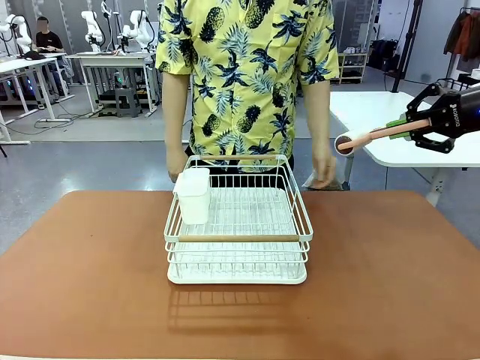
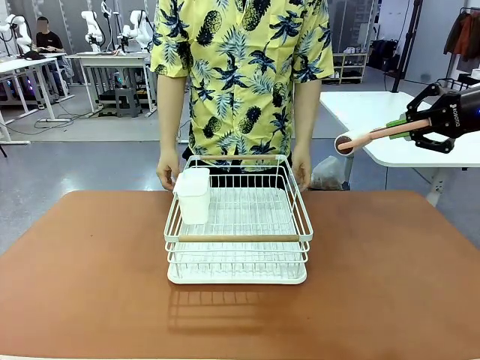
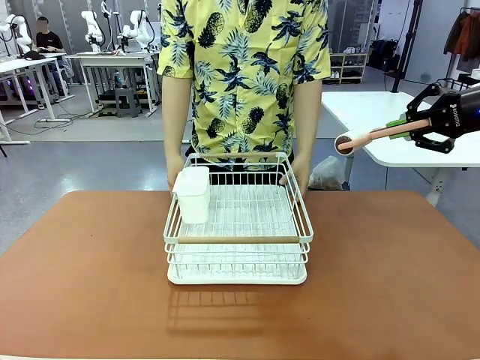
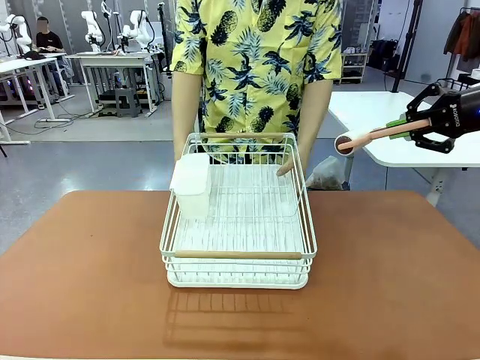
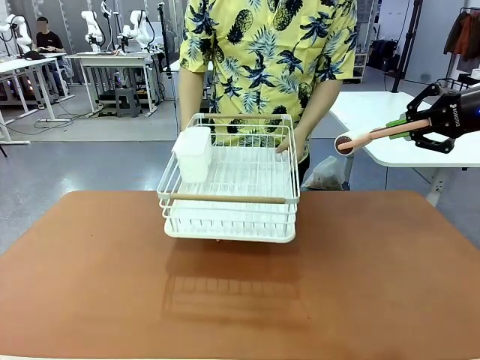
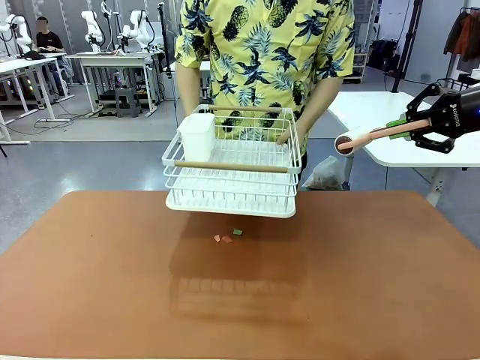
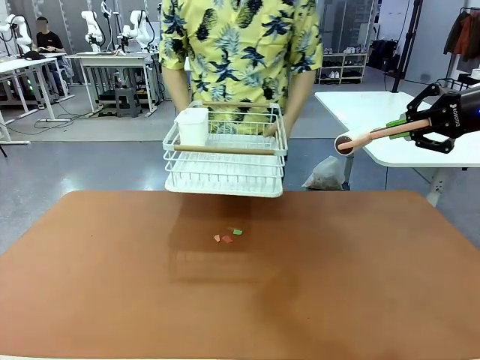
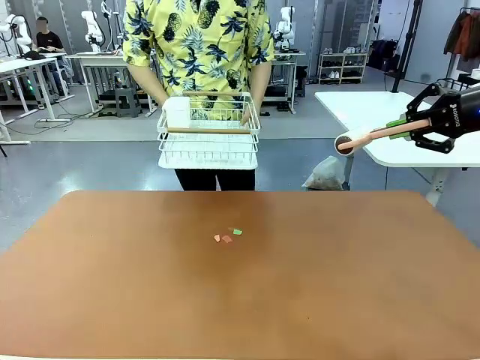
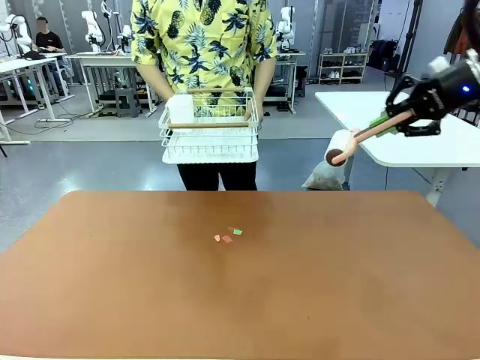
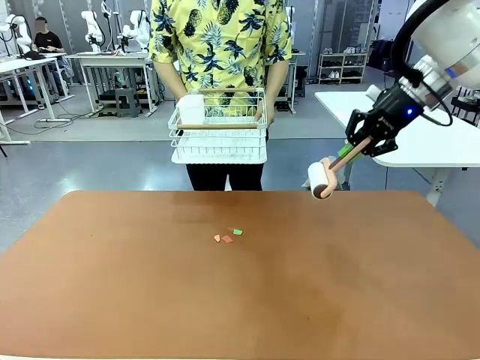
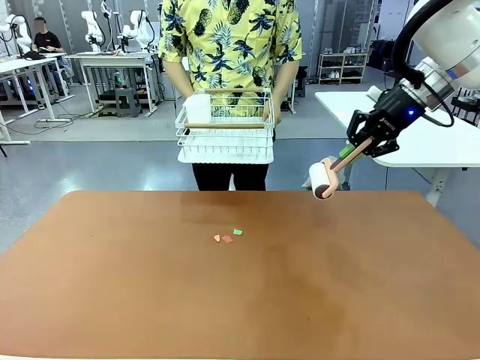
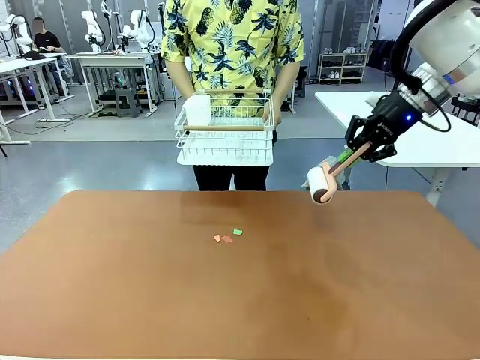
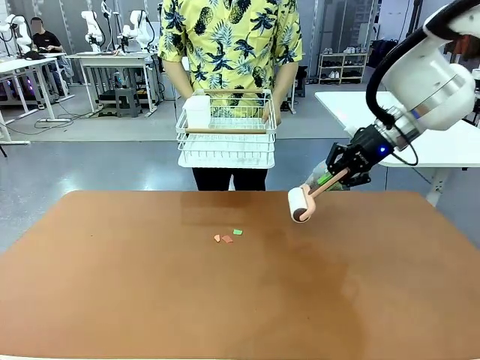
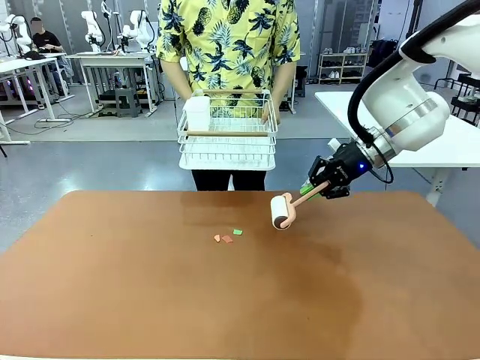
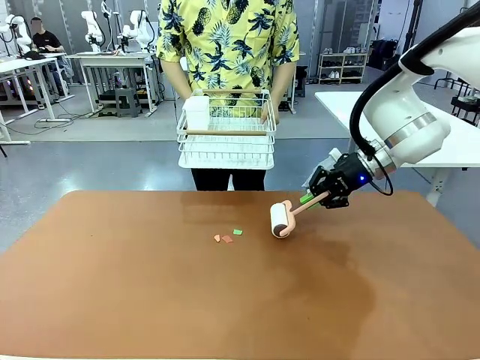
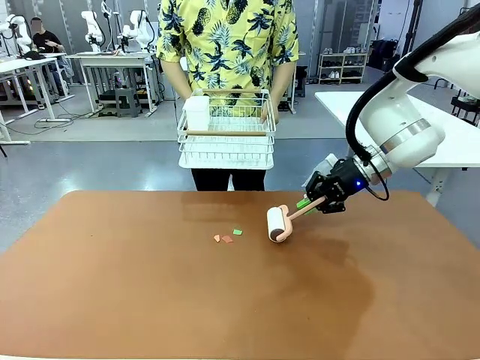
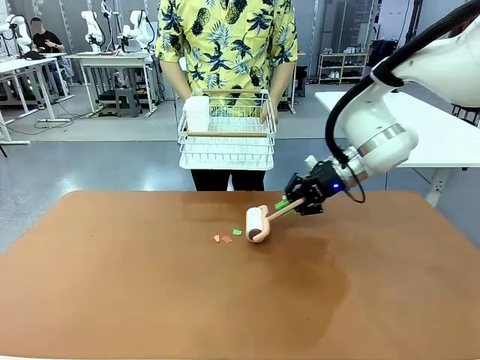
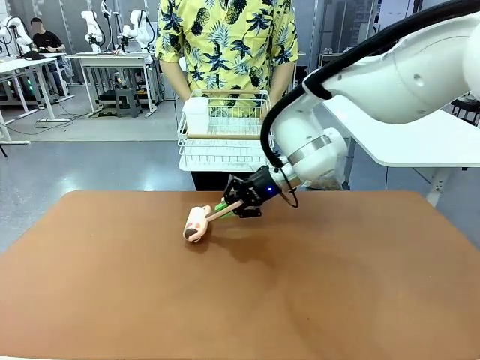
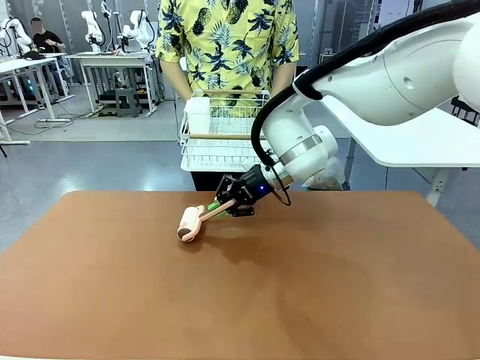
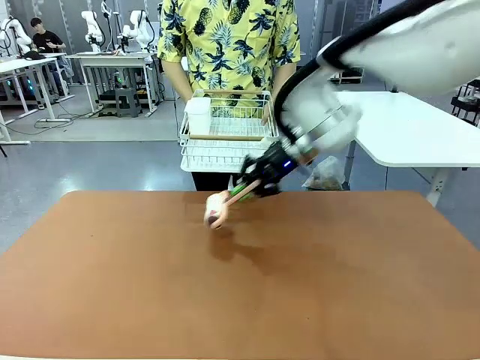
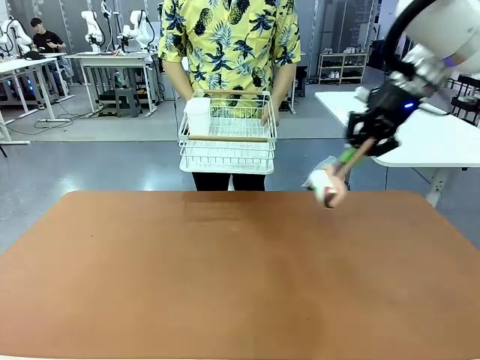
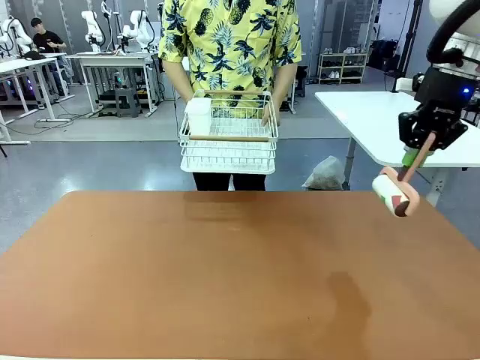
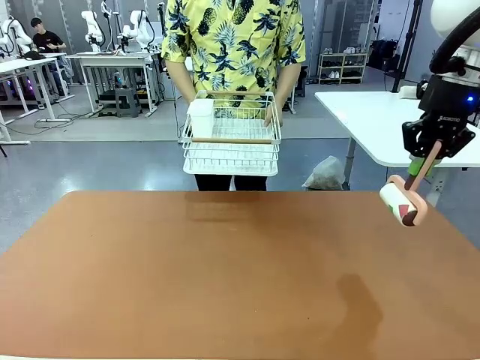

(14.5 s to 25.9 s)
Task: Clean the table.
Robot: Clean the table with the Lint Roller when the human lifts the Dish drying rack.

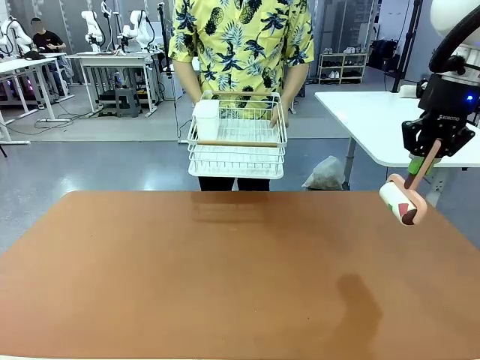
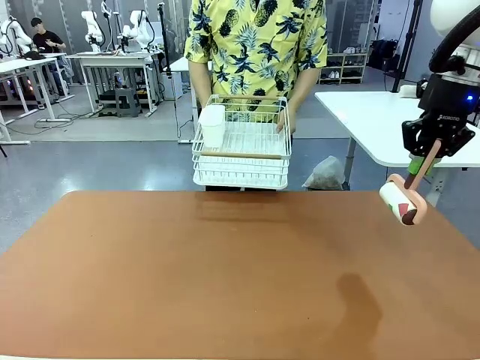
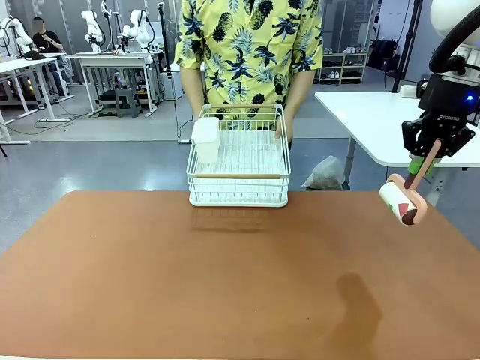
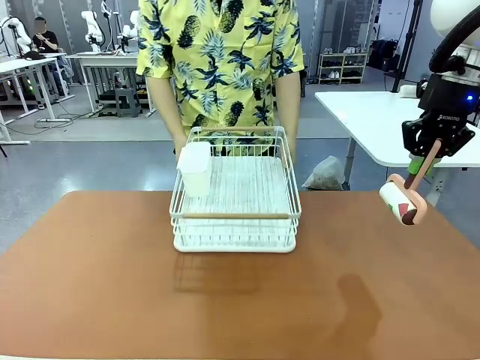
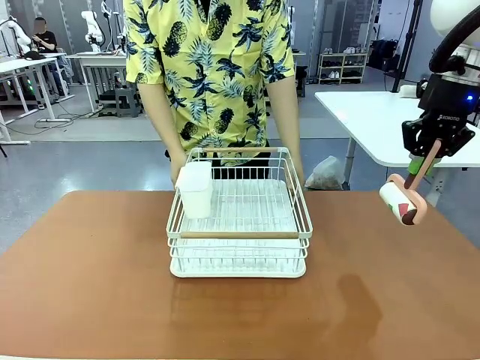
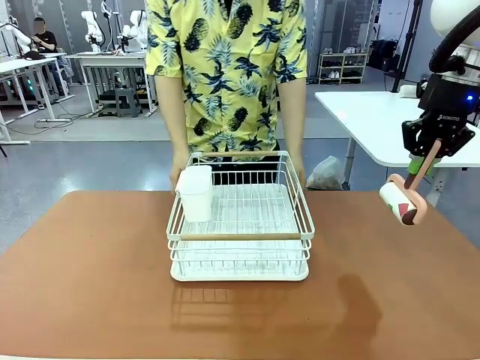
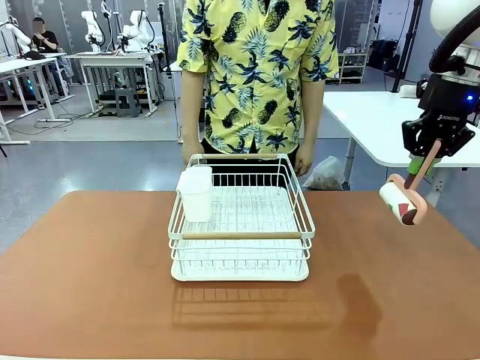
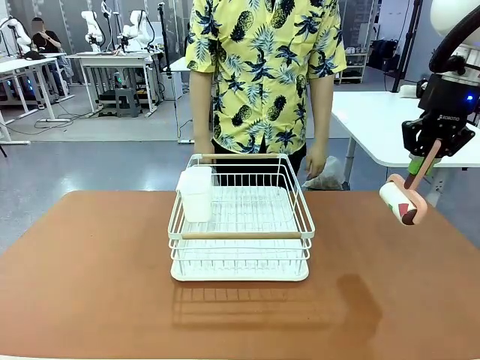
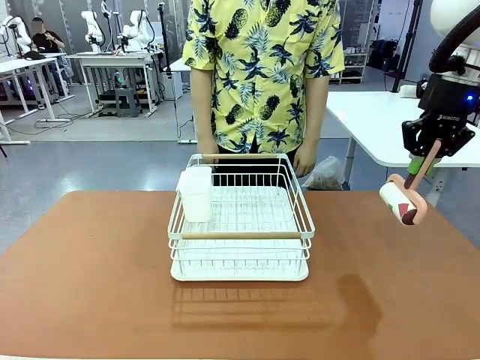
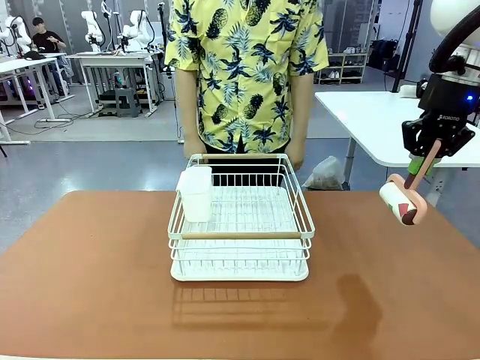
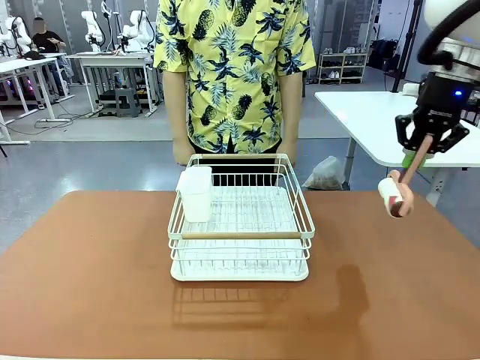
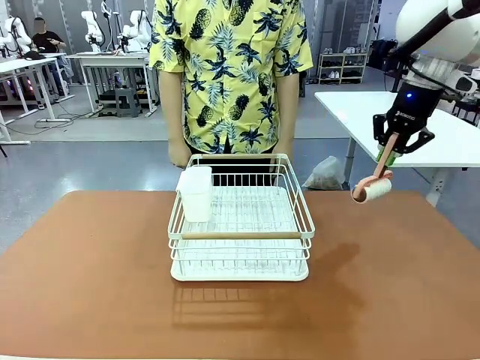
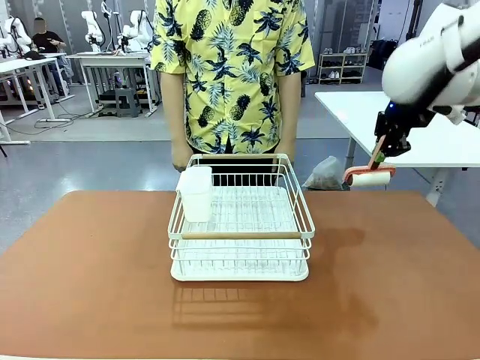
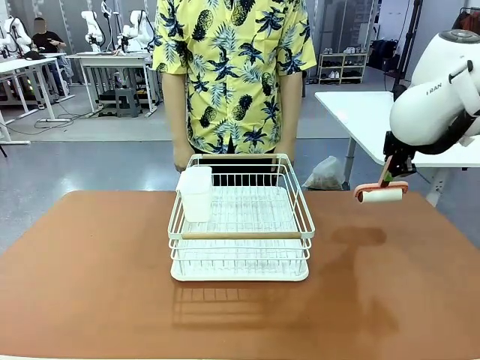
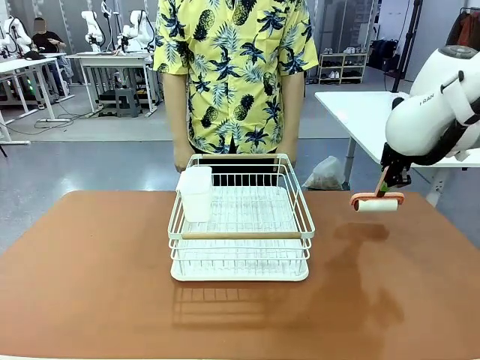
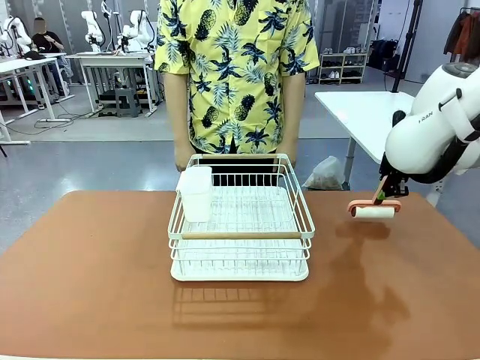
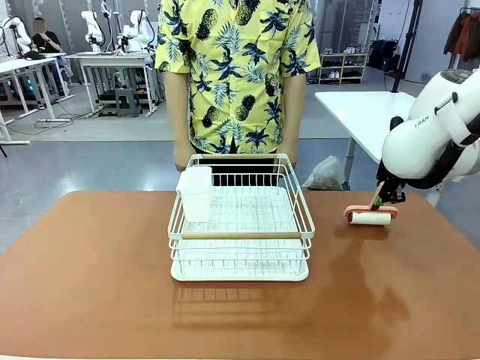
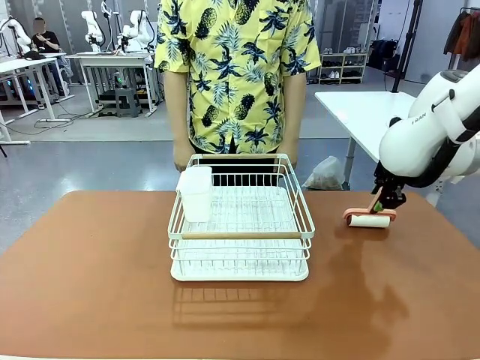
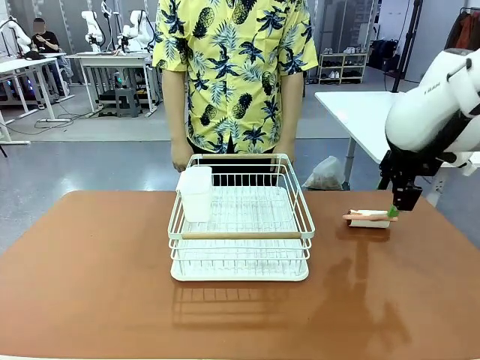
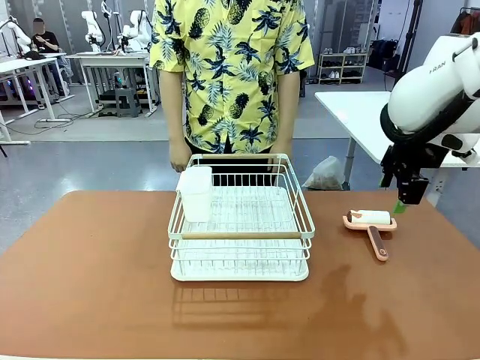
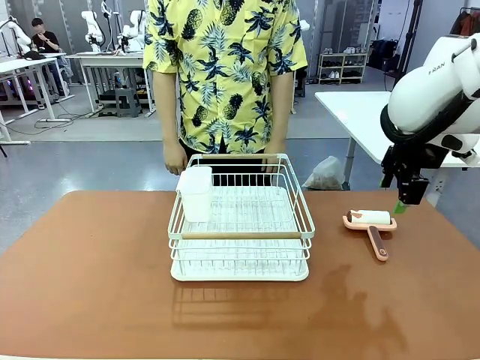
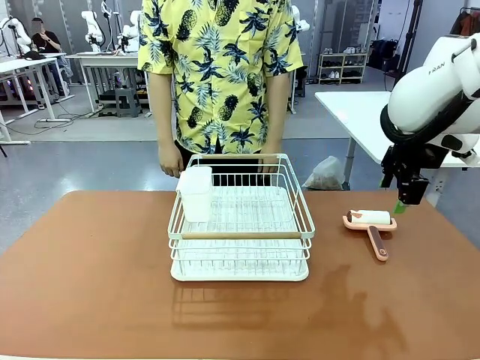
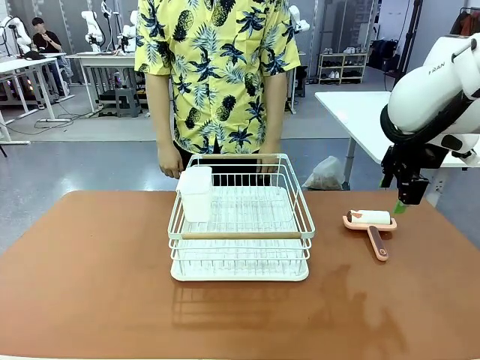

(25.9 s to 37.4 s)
Robot: Place the Lint Roller down when the Dish drying rack is positioned in the middle of the table.
Person: Place the Dish drying rack down when the robot finishes cleaning.

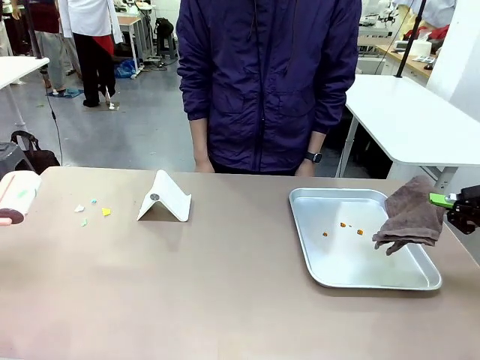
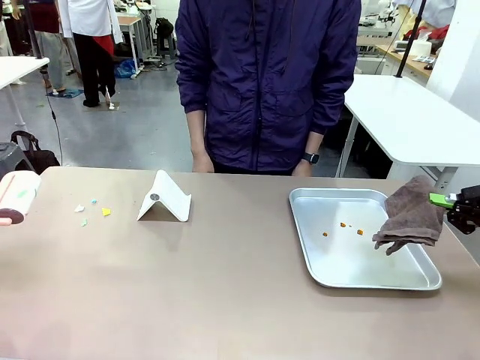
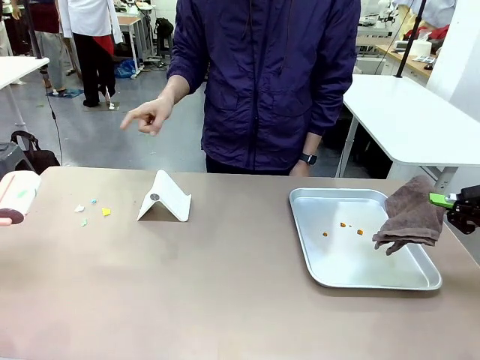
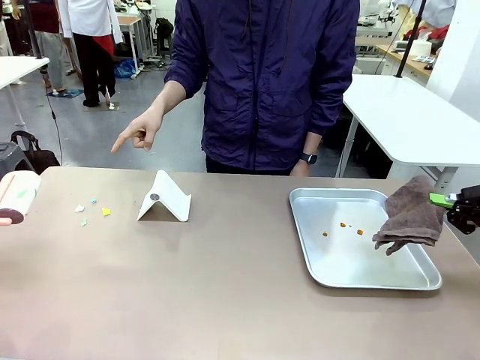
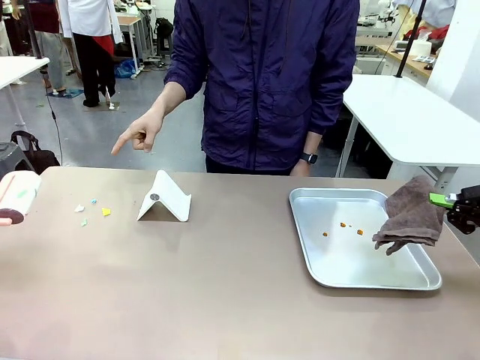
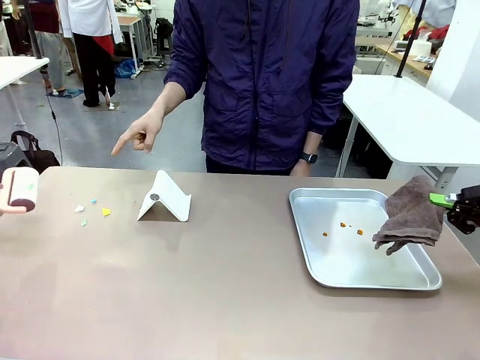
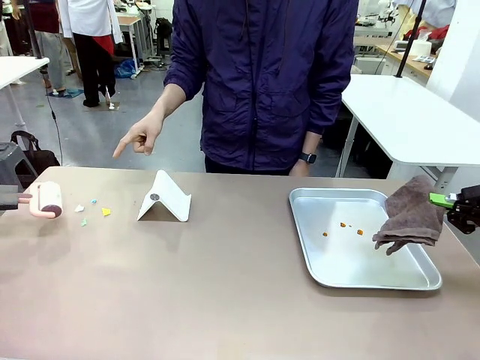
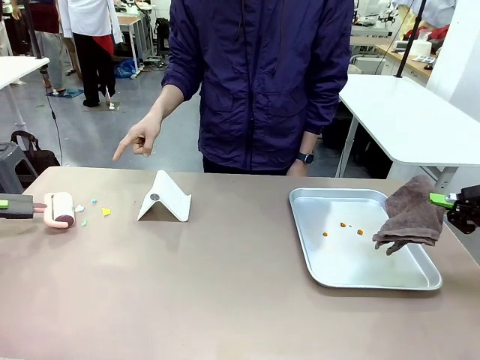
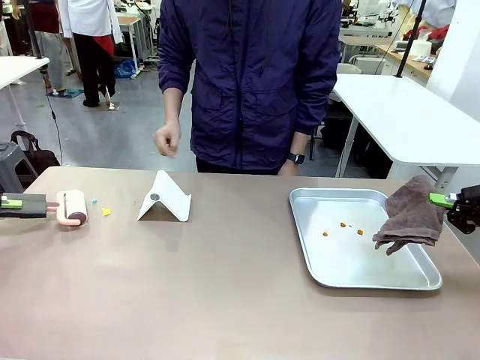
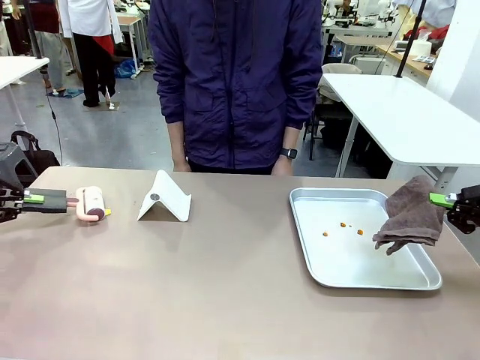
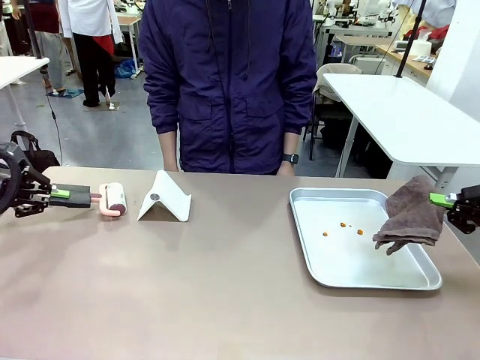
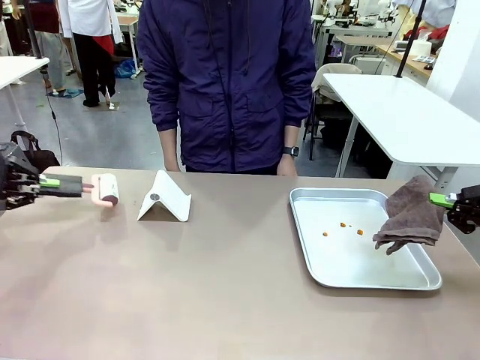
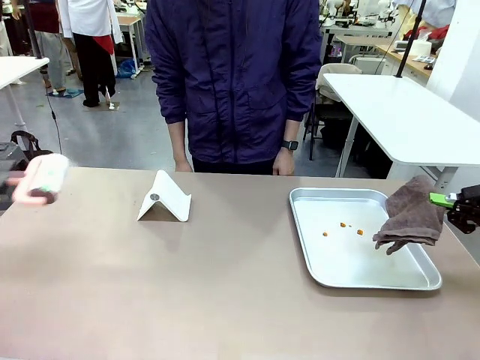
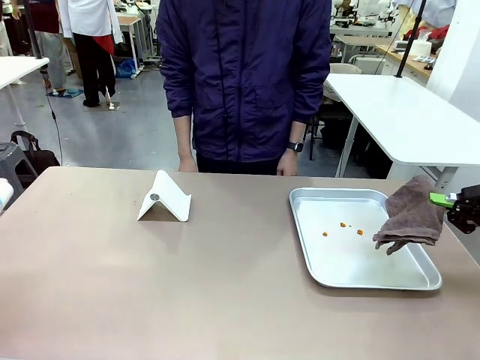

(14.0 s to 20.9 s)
Task: Clean the surface of the table.
Robot: If a person points to the right, clean the right side of the table with your right hand, and if they point to the left, clean the left side with your left hand.
